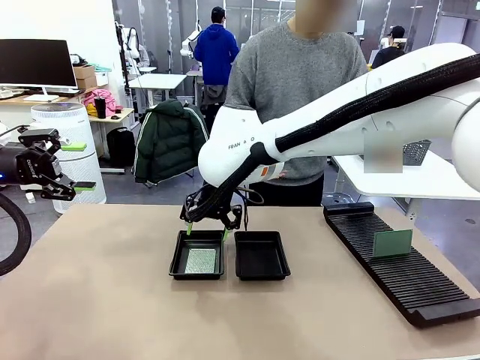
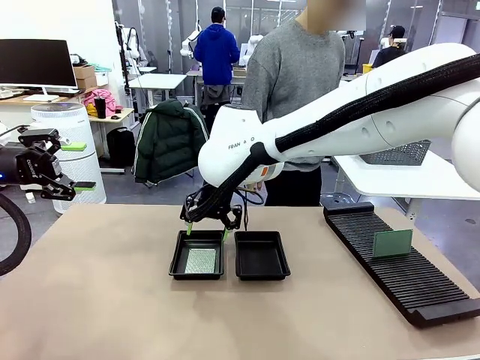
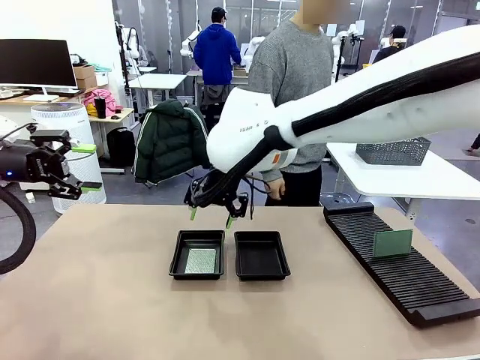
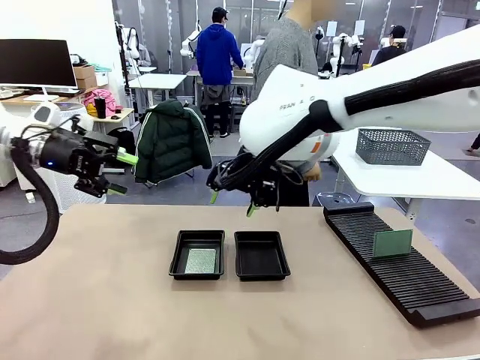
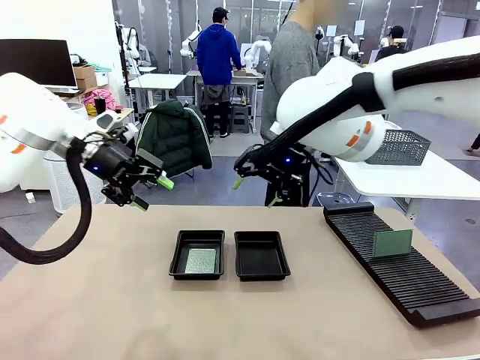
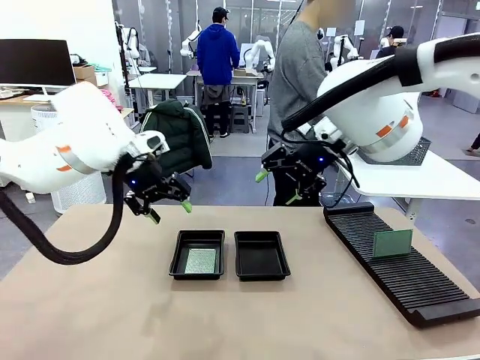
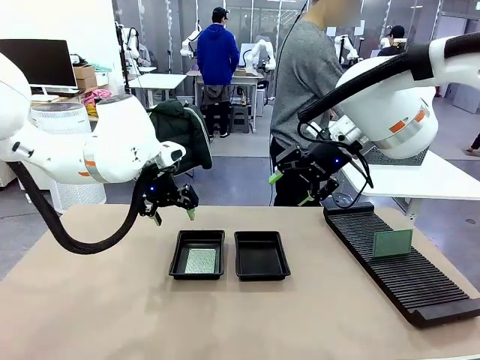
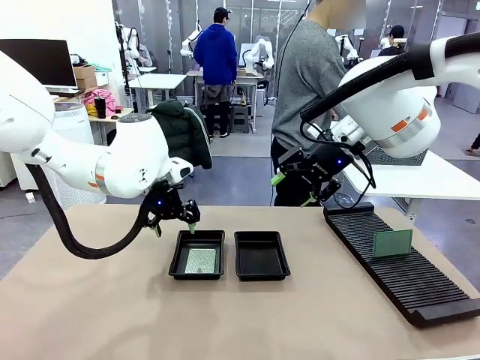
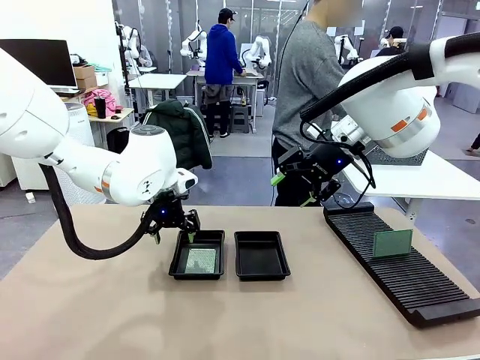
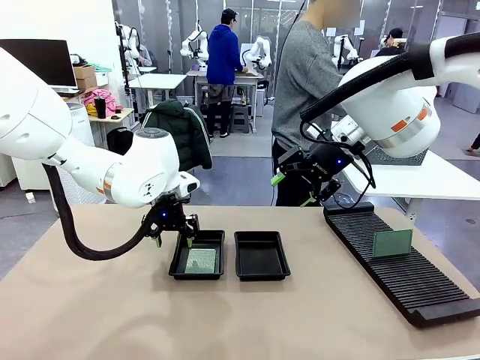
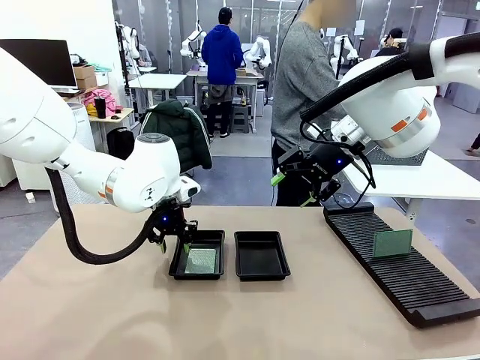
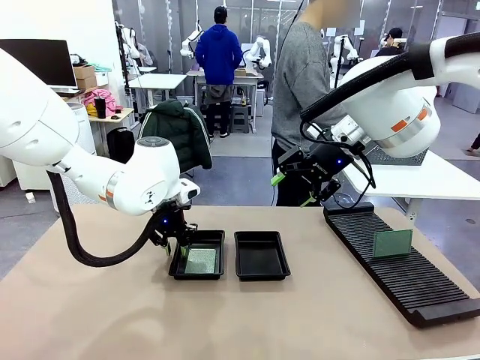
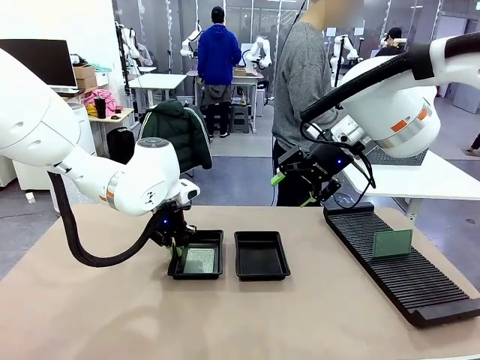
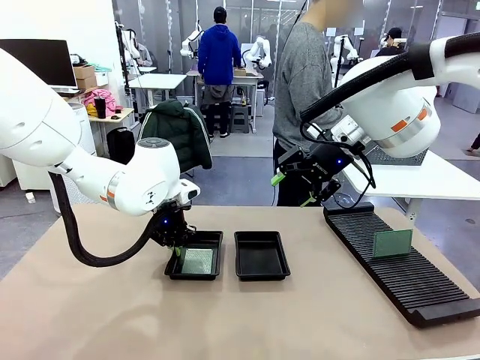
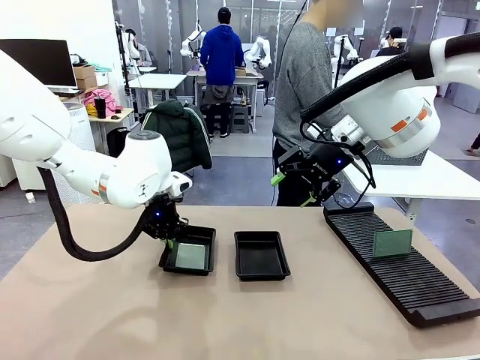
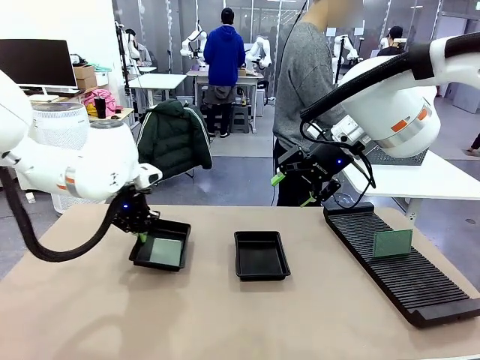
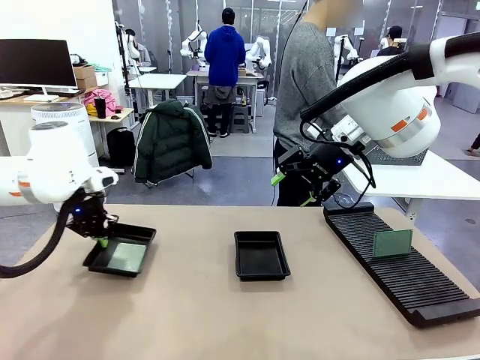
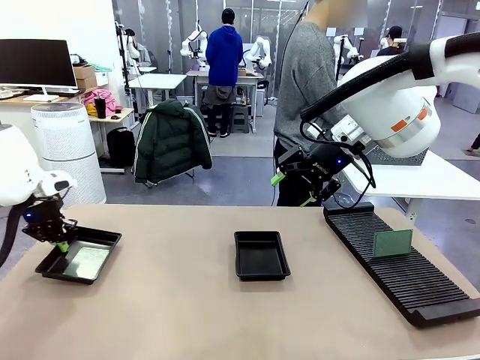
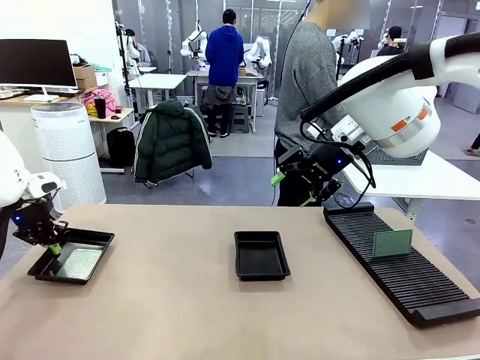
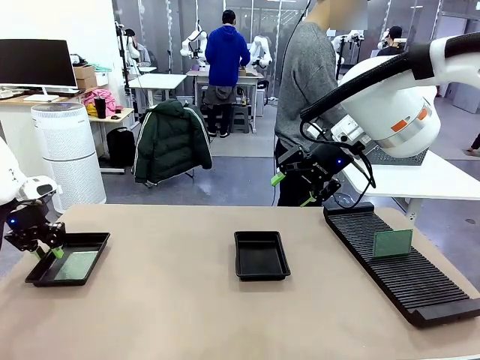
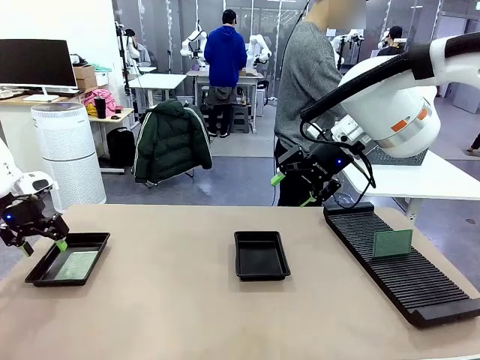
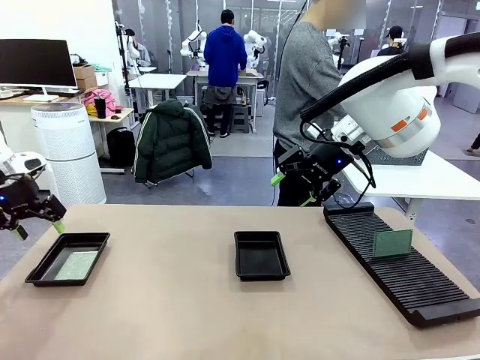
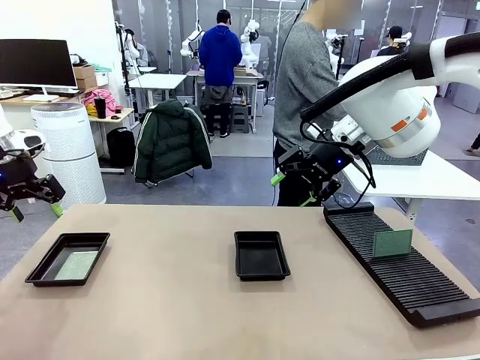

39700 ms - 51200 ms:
Task: Inspect and transfer BCBs to ESD trays.
Robot: Pick up the ESD tray and place it on the left side of the table.

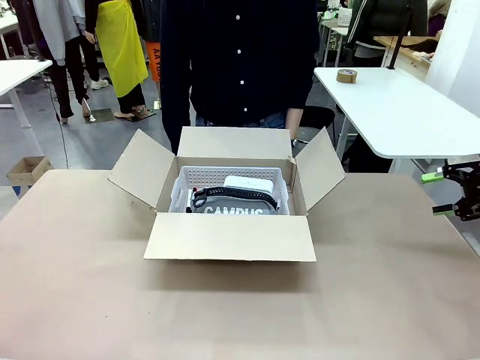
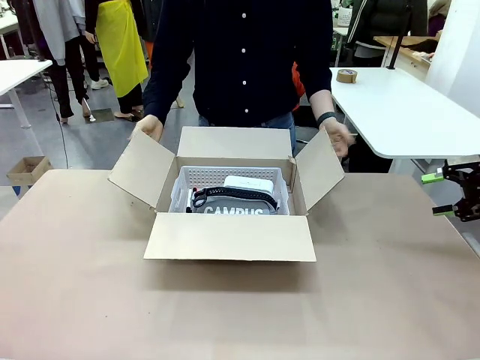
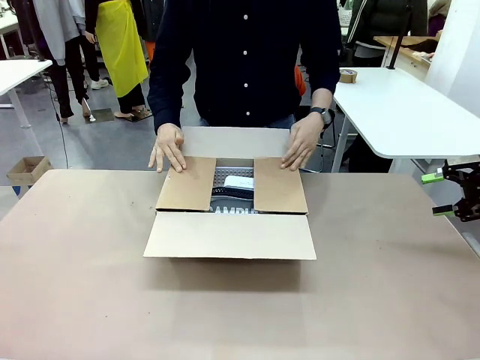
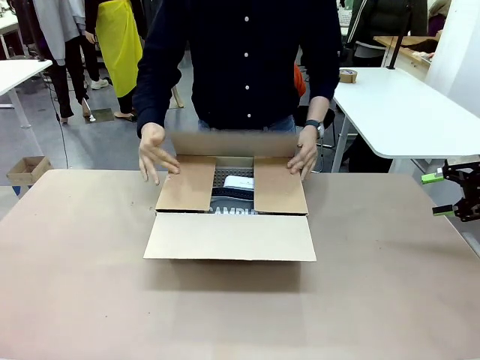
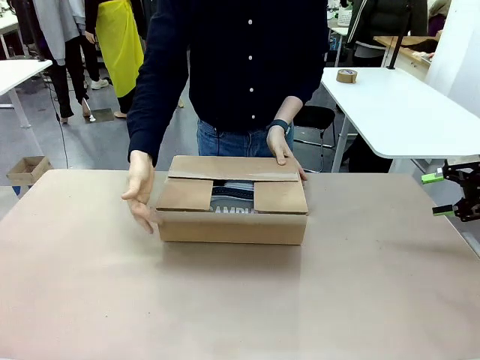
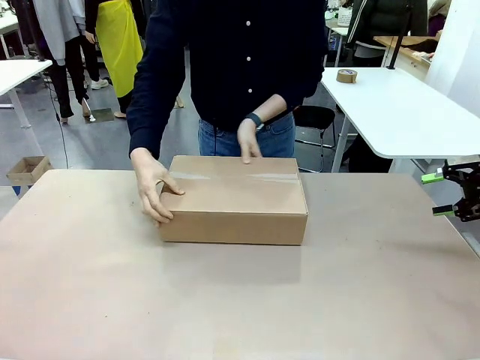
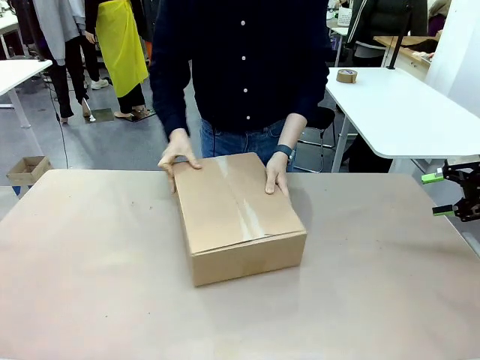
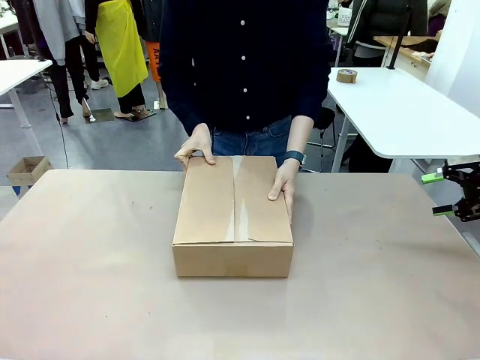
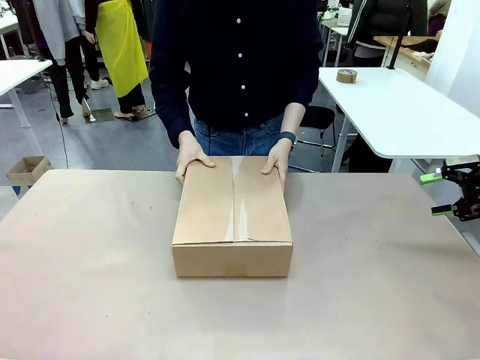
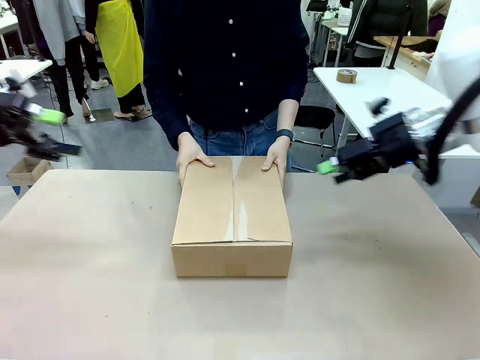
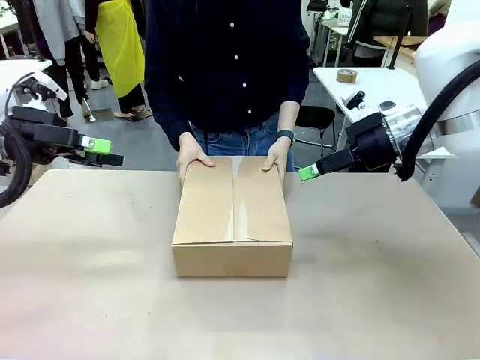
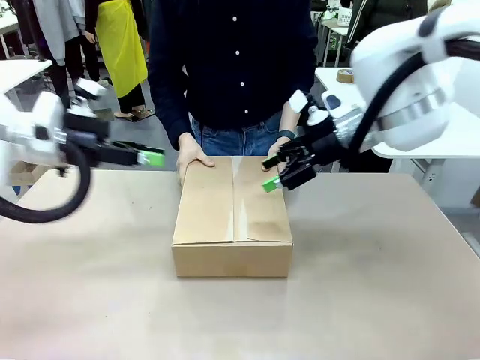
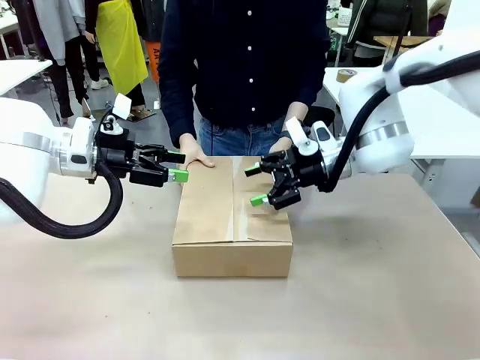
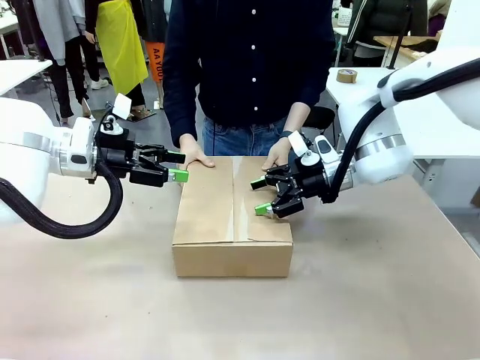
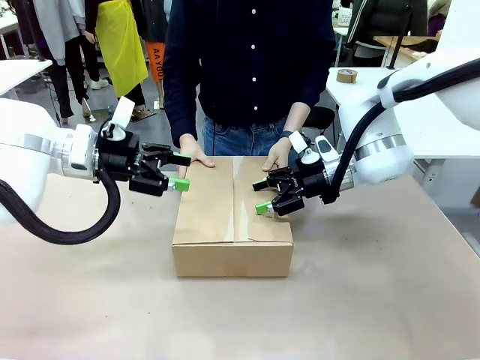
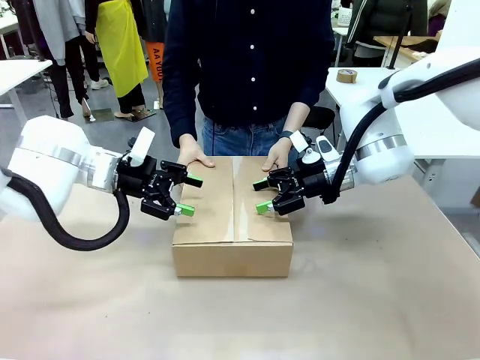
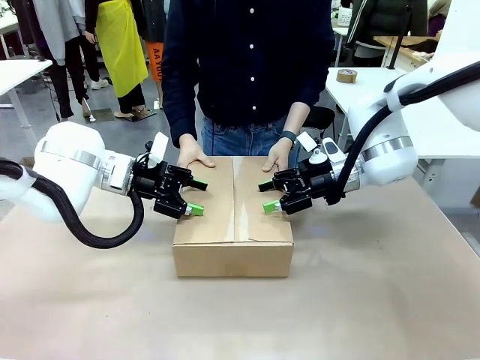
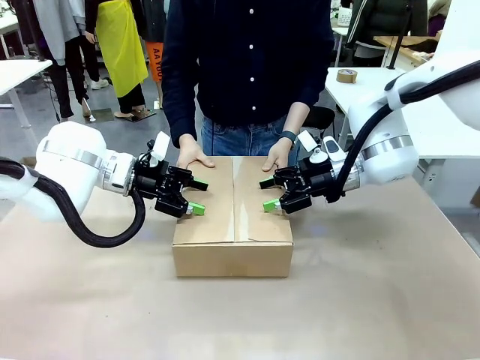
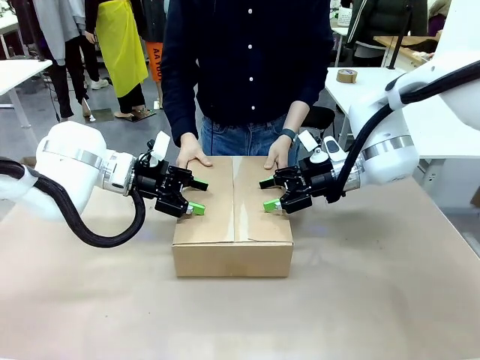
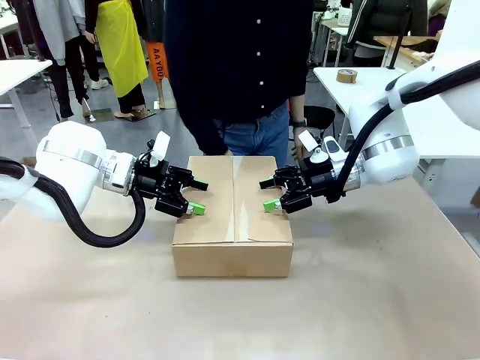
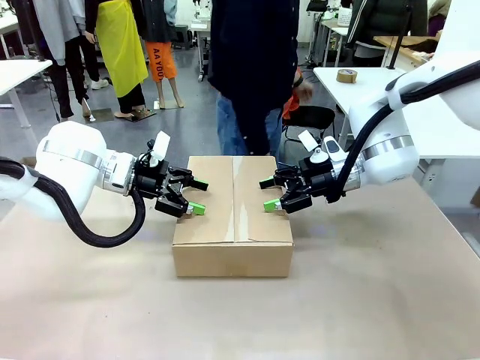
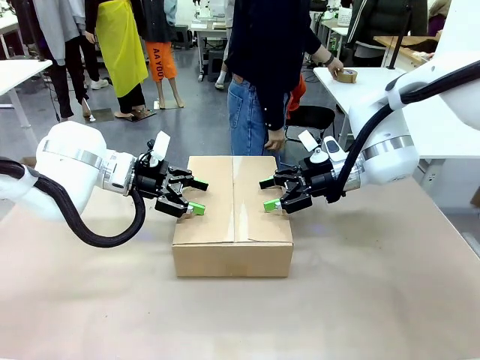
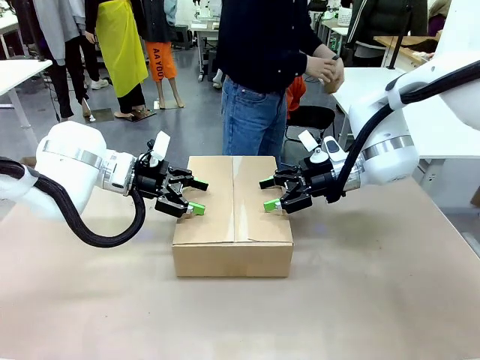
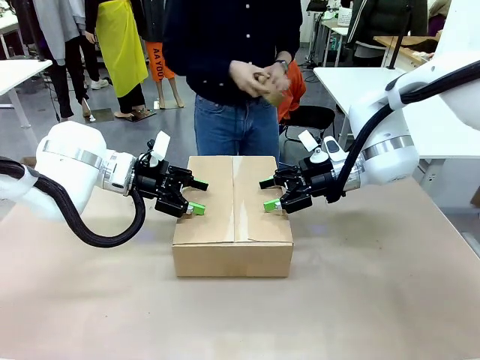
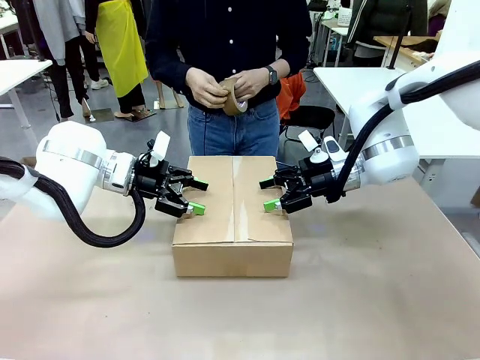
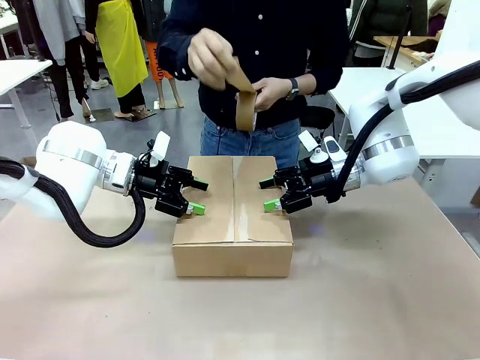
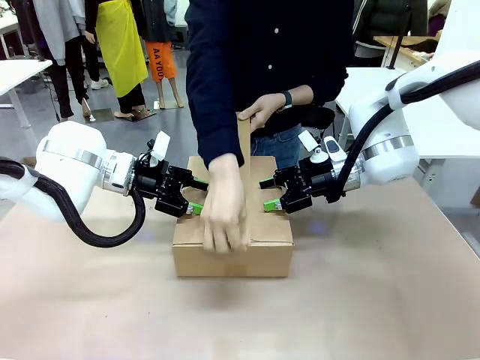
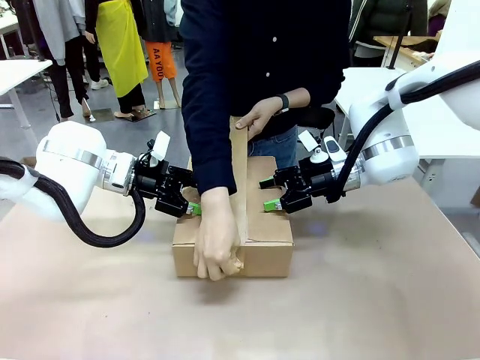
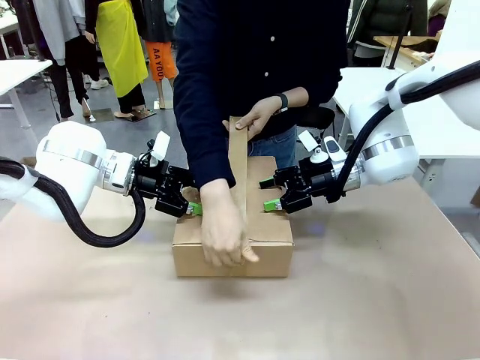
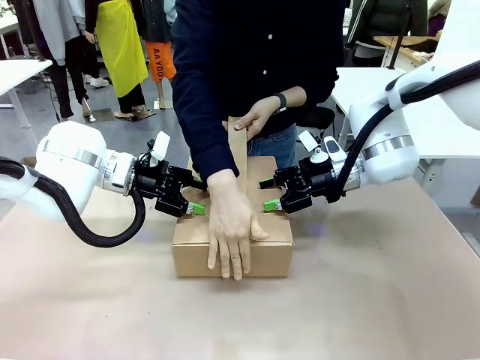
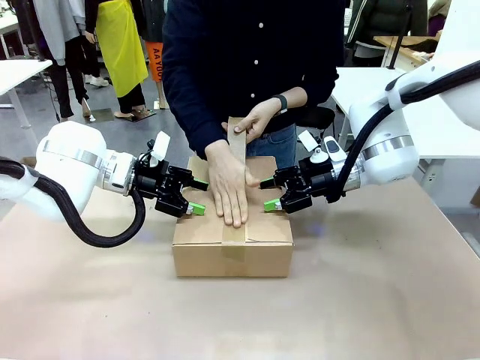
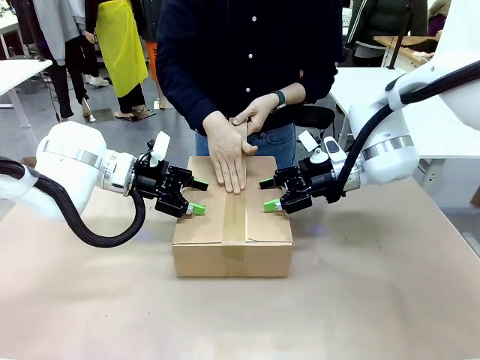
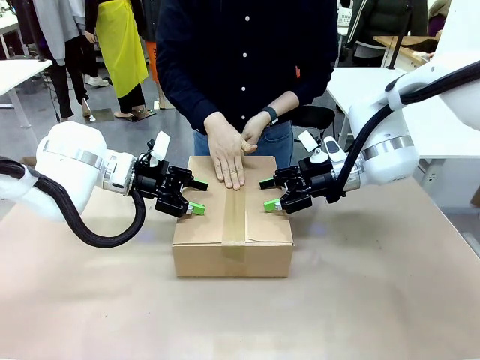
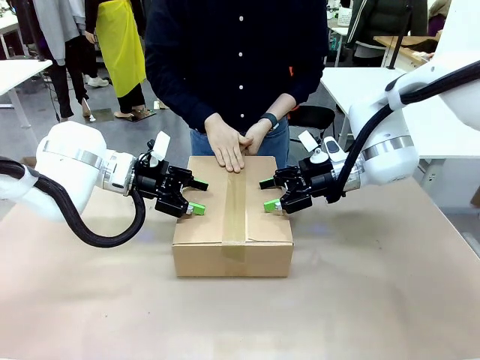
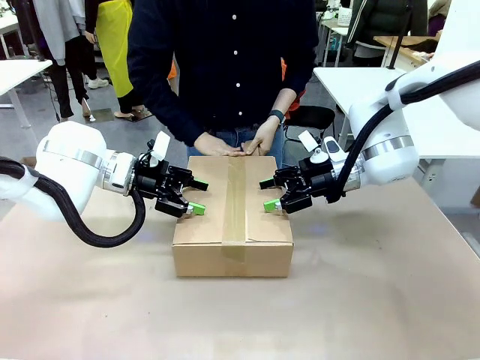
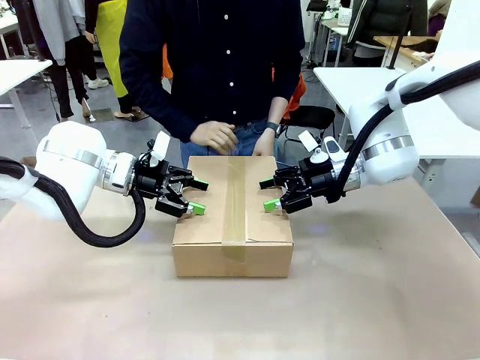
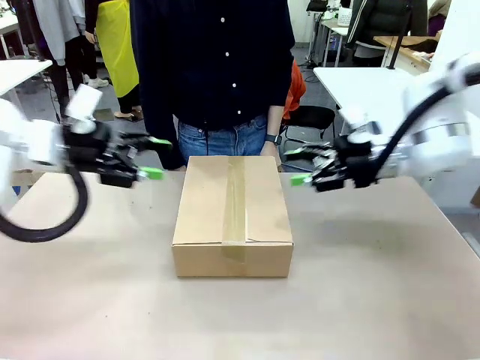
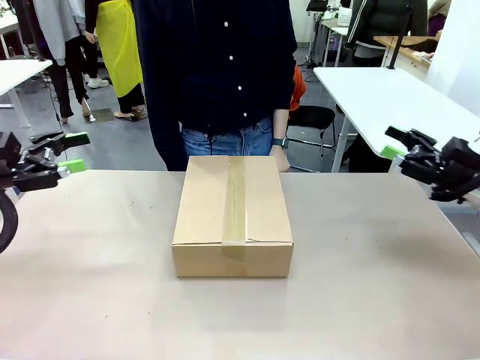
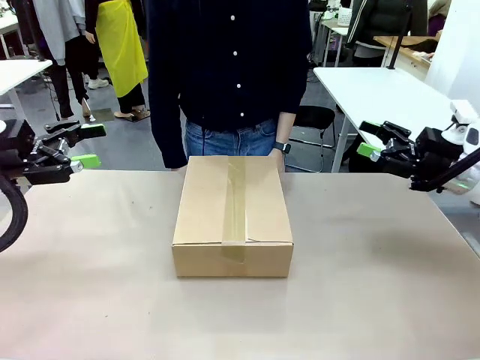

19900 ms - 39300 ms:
Task: Pack the gift set into the box.
Robot: Press and hold the closed box until the human finishes sealing it.
Person: The human closes the box and rotates the box by 90 degrees. The human picks up the paper tape from the human table and packs the box.
